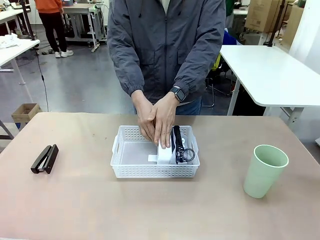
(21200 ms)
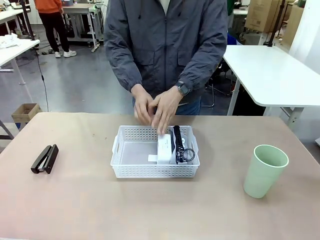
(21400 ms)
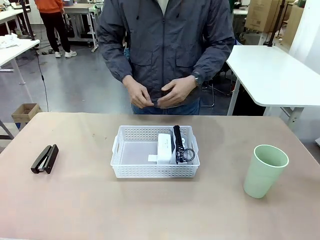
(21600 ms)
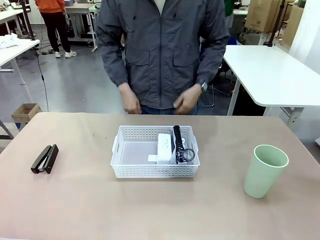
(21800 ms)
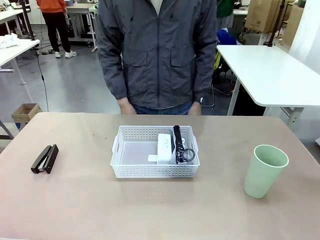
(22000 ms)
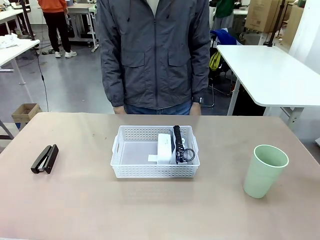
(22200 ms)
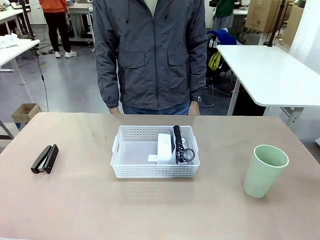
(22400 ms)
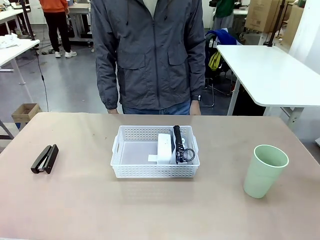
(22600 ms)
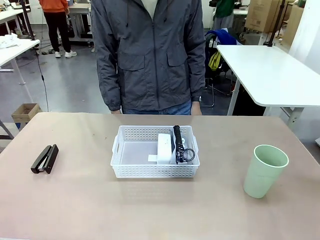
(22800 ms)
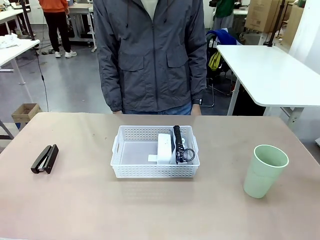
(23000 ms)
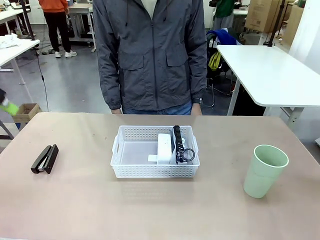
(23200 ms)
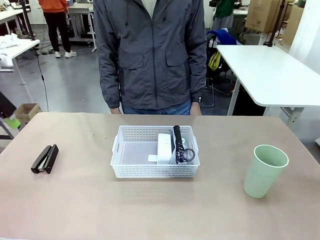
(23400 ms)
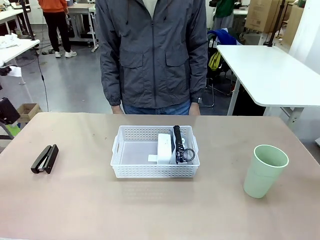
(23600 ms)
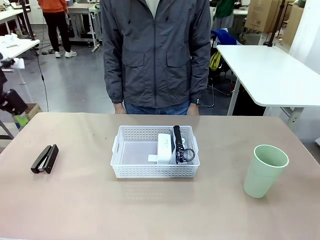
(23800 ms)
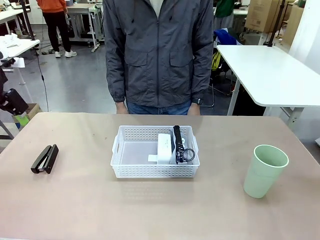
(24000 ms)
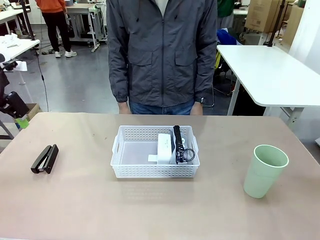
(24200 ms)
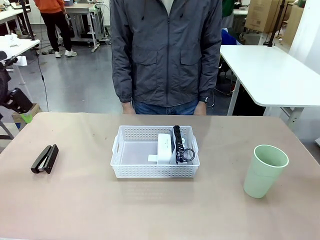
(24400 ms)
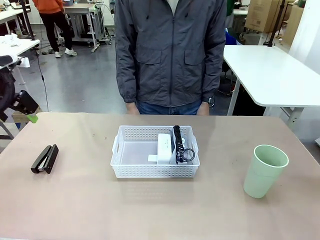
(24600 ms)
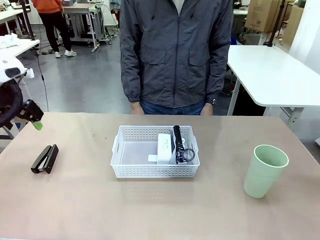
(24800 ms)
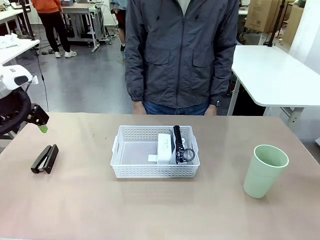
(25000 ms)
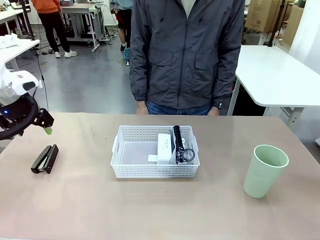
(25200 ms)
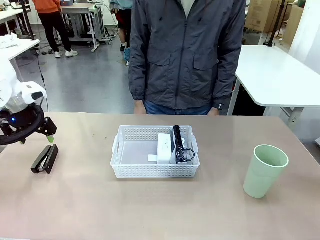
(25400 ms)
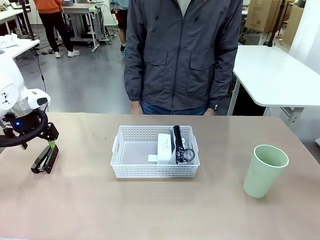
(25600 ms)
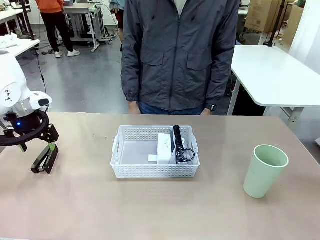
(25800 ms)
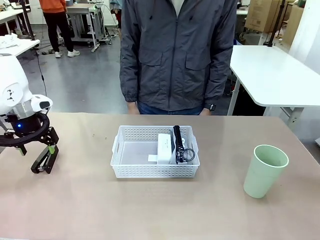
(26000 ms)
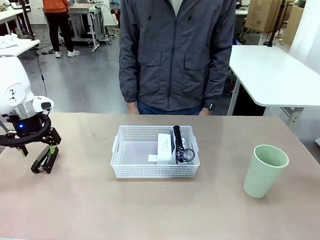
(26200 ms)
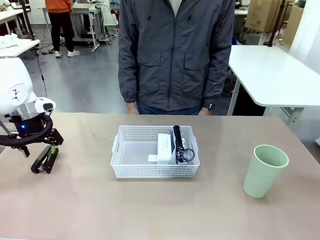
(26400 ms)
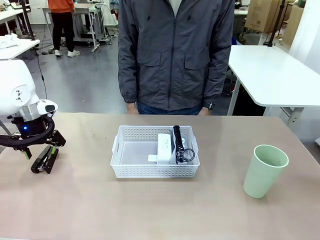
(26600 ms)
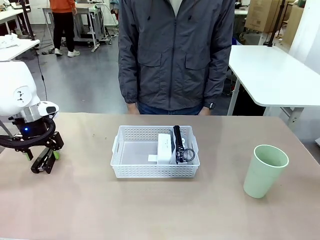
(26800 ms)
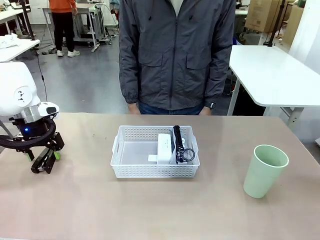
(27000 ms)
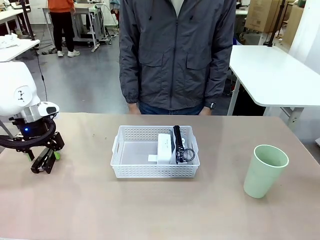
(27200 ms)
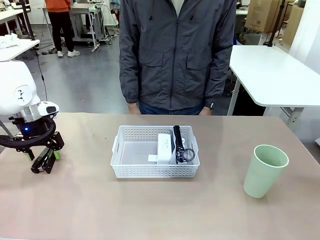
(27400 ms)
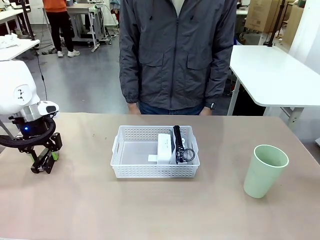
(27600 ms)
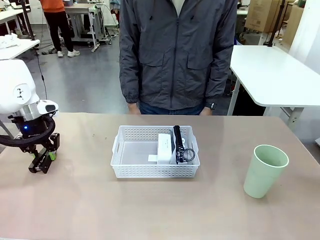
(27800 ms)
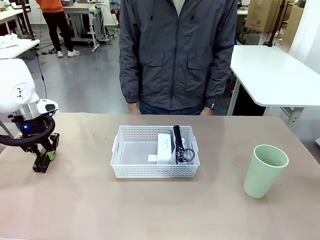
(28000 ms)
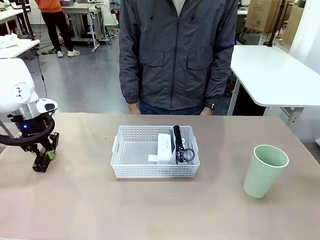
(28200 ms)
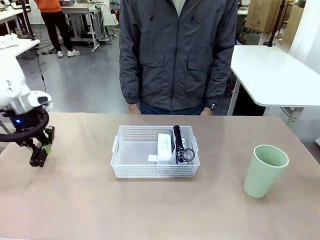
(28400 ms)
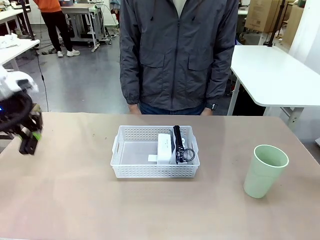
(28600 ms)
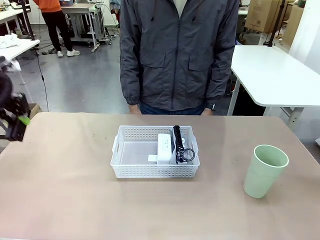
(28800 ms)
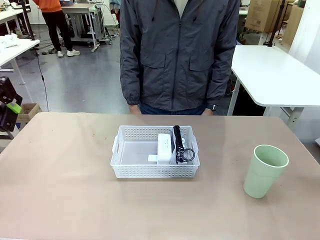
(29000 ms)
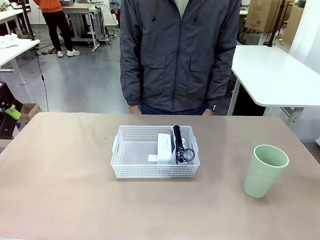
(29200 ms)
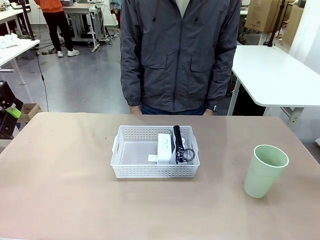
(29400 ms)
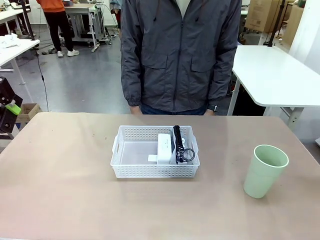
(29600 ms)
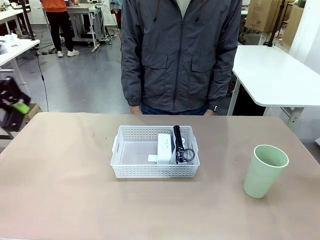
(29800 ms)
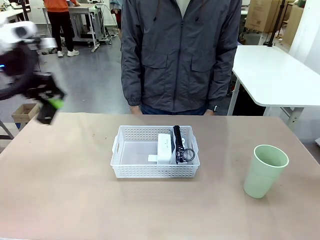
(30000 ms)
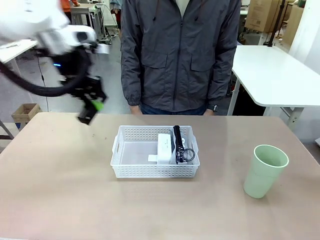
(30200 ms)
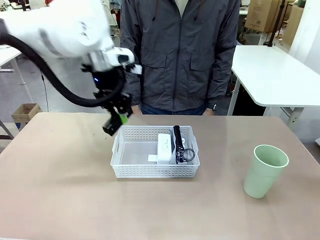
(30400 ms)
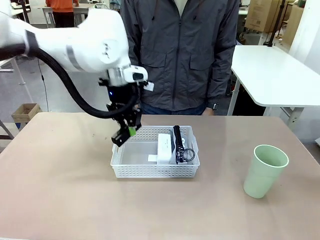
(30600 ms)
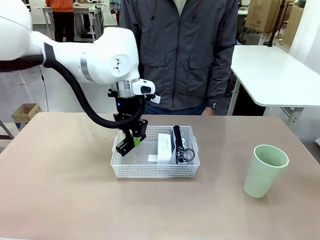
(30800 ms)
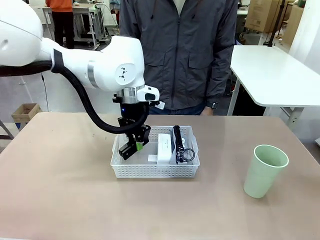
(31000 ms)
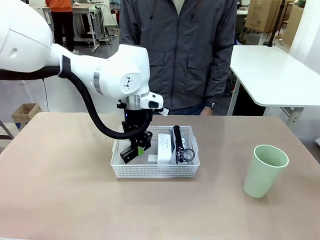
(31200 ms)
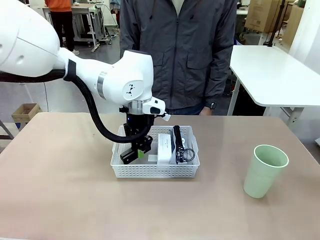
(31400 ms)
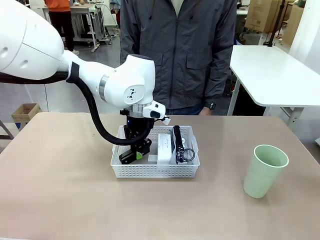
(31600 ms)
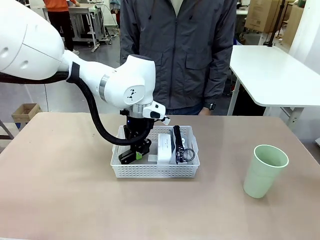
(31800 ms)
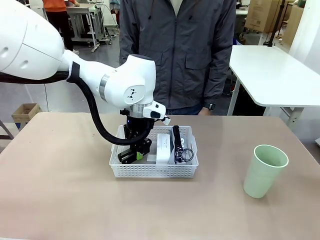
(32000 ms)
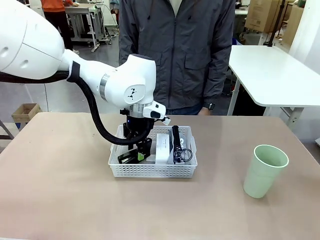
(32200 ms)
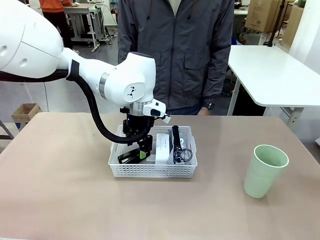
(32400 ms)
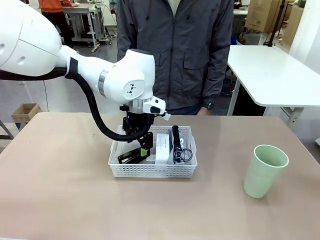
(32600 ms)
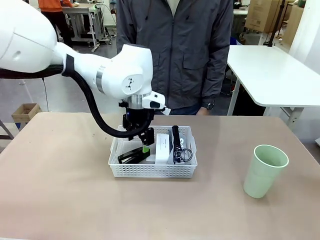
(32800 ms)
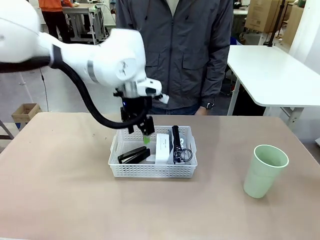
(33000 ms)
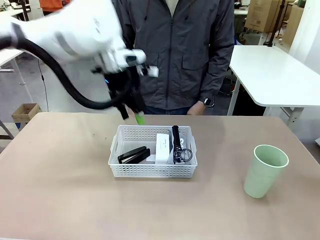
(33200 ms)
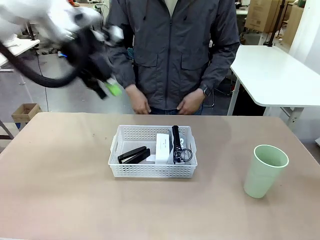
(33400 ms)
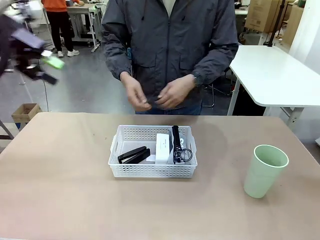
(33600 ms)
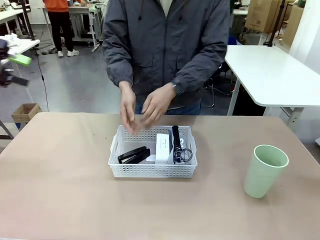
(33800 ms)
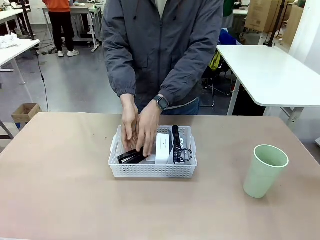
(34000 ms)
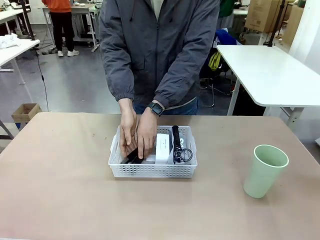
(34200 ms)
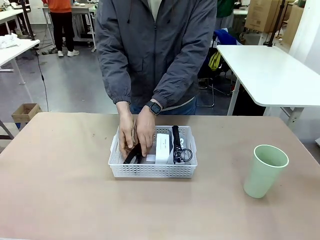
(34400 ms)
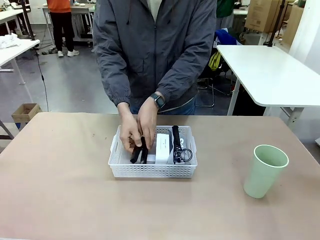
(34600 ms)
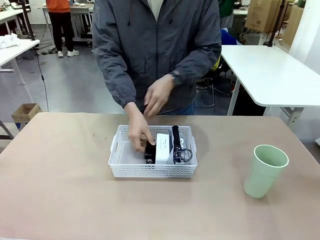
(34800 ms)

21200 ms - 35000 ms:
Task: Efficiently arrange items inside the basket to fit them all.
Robot: Pick up the Stapler and place it inside the Organizing basket.
